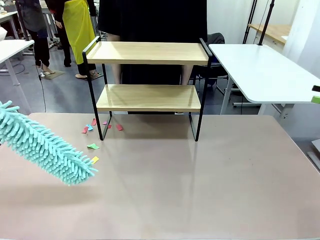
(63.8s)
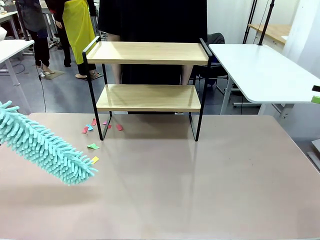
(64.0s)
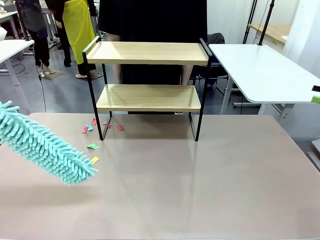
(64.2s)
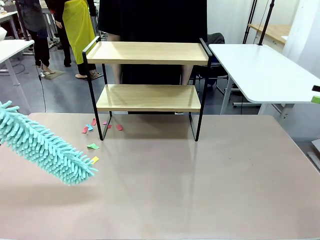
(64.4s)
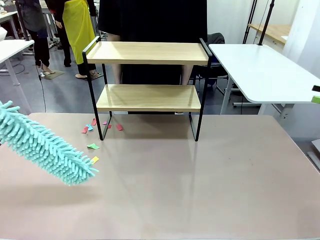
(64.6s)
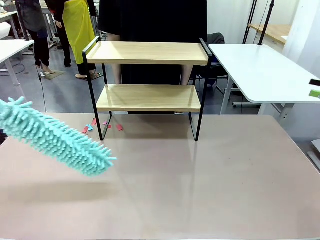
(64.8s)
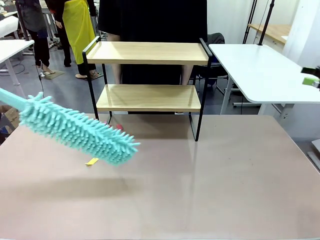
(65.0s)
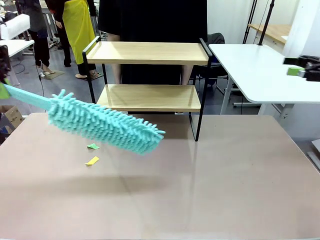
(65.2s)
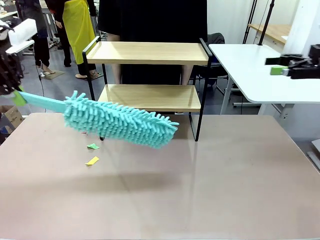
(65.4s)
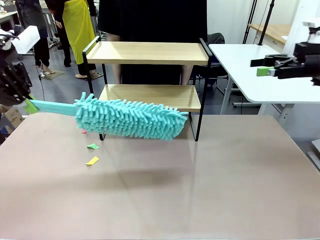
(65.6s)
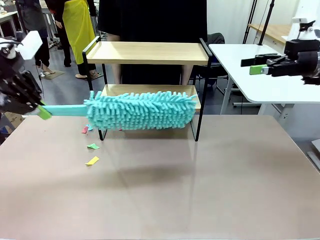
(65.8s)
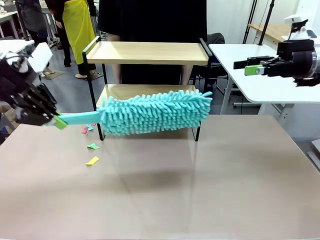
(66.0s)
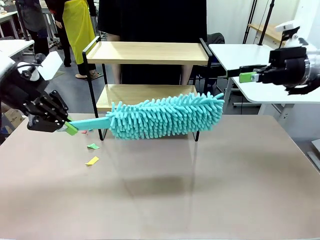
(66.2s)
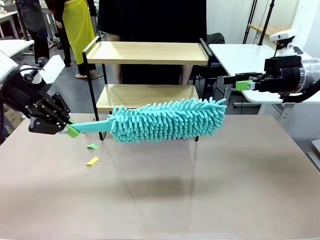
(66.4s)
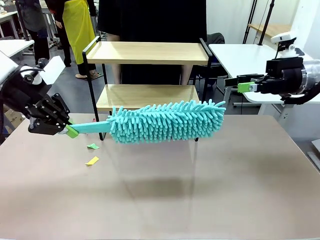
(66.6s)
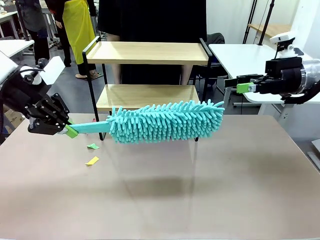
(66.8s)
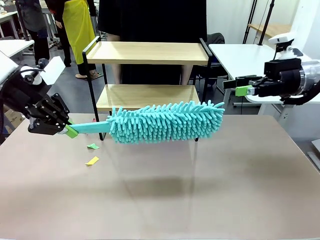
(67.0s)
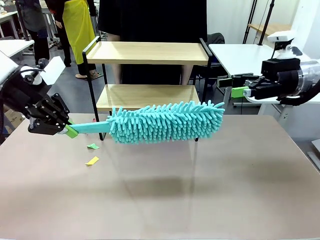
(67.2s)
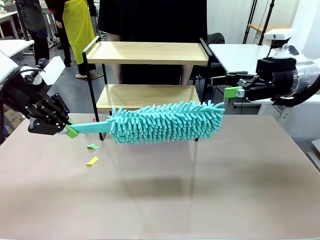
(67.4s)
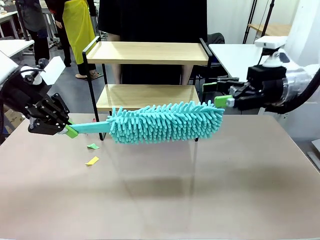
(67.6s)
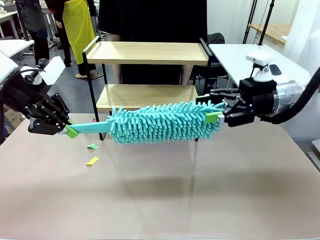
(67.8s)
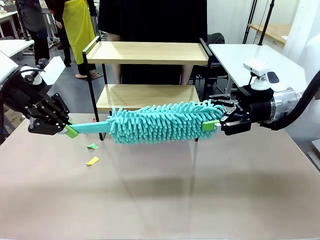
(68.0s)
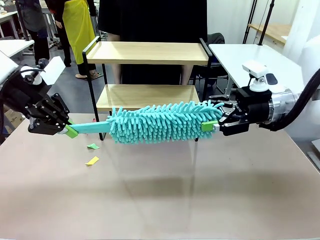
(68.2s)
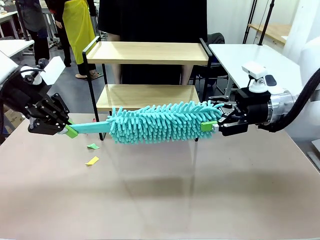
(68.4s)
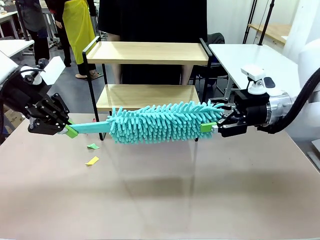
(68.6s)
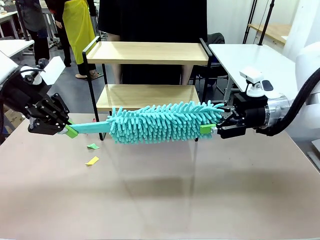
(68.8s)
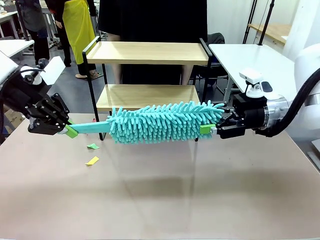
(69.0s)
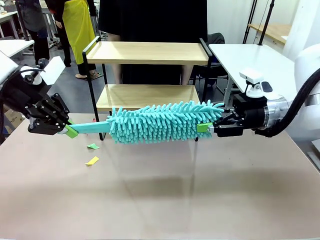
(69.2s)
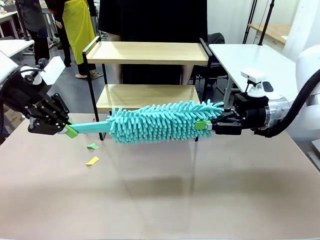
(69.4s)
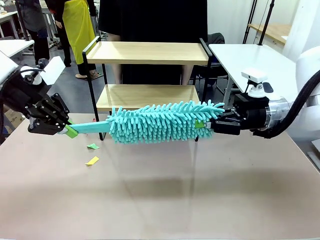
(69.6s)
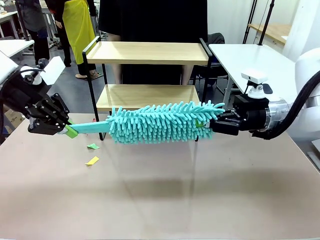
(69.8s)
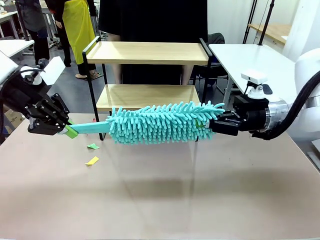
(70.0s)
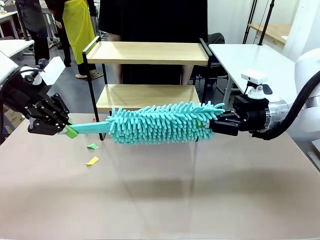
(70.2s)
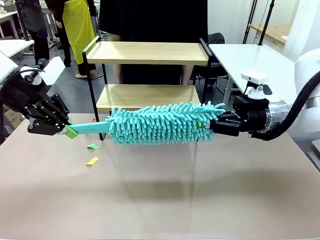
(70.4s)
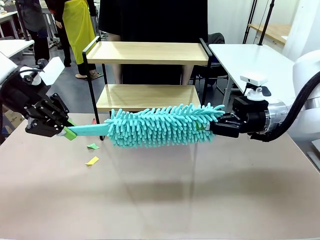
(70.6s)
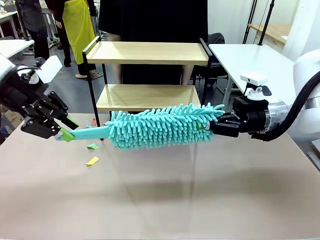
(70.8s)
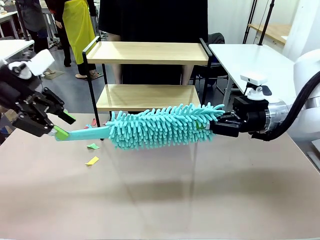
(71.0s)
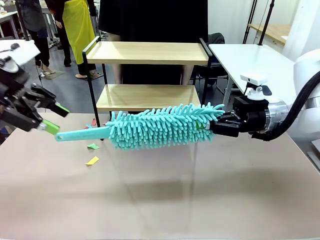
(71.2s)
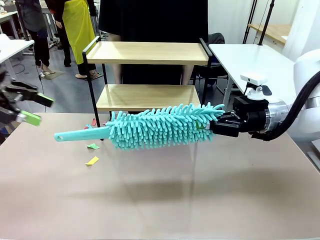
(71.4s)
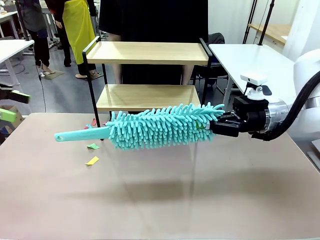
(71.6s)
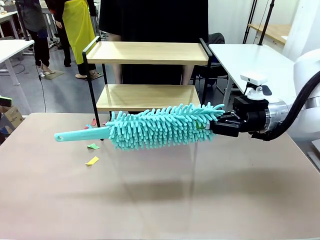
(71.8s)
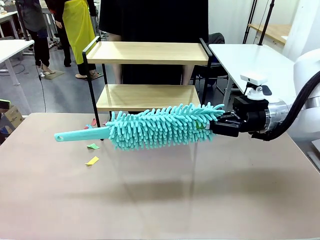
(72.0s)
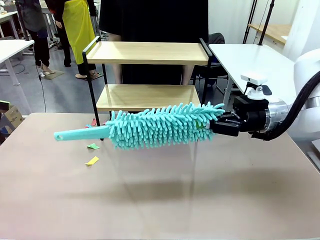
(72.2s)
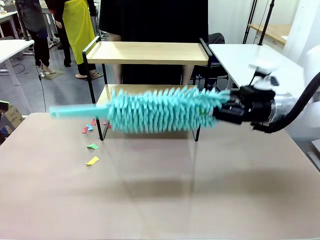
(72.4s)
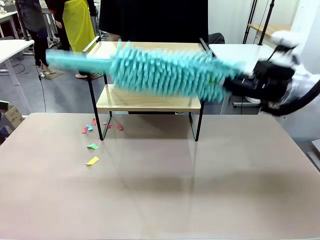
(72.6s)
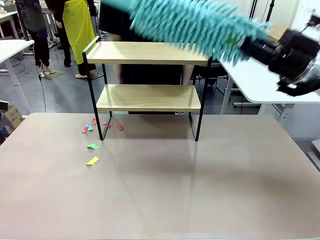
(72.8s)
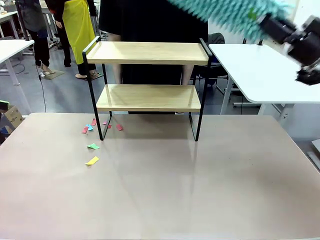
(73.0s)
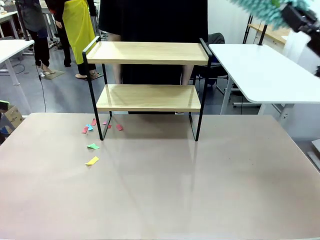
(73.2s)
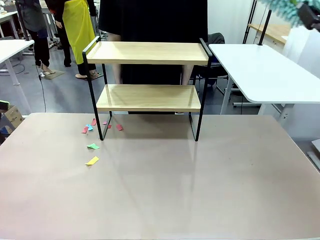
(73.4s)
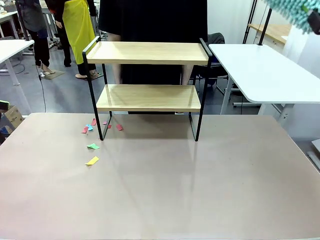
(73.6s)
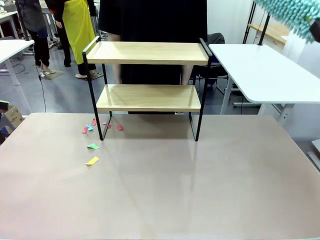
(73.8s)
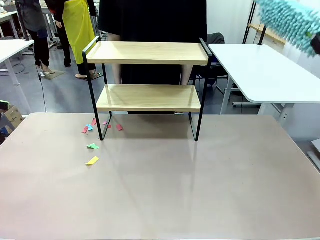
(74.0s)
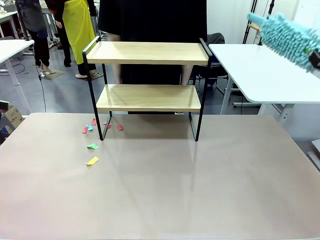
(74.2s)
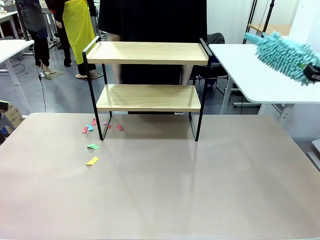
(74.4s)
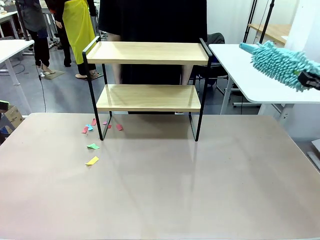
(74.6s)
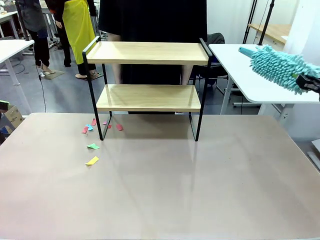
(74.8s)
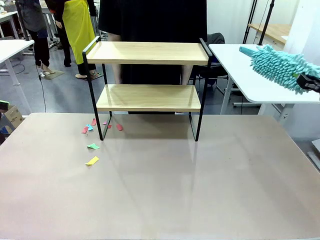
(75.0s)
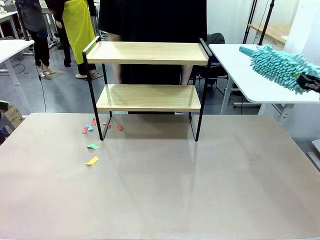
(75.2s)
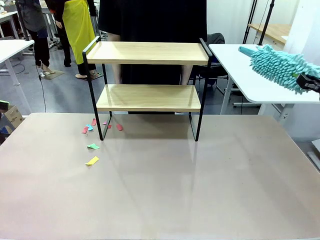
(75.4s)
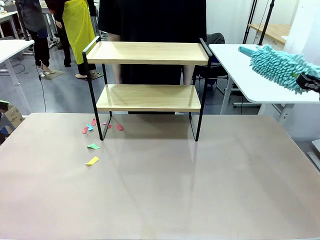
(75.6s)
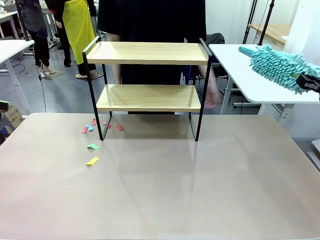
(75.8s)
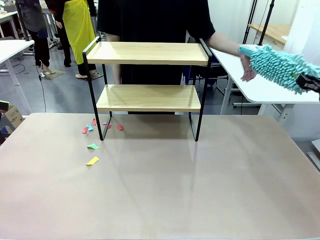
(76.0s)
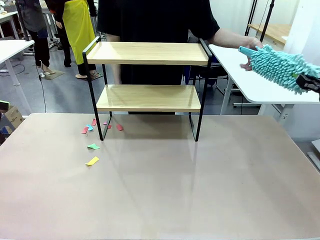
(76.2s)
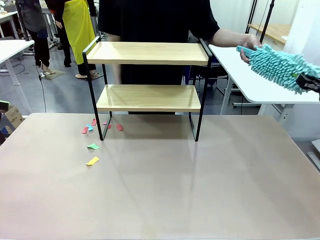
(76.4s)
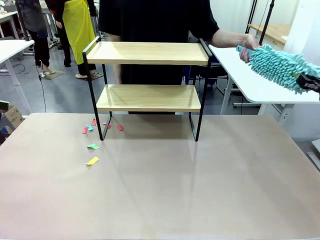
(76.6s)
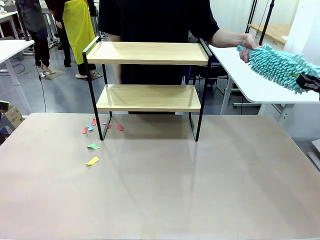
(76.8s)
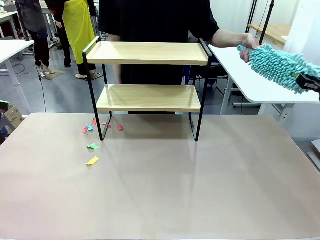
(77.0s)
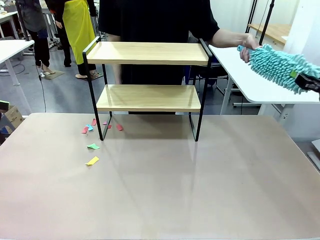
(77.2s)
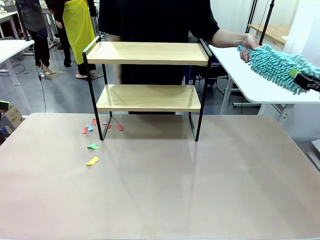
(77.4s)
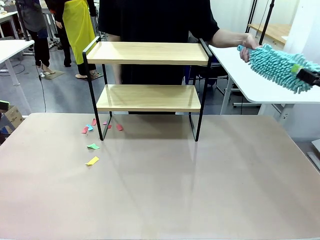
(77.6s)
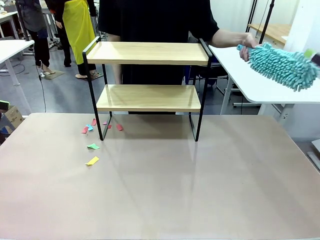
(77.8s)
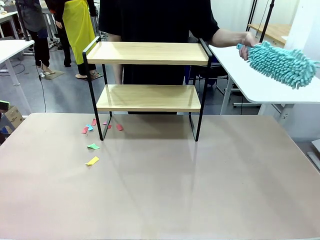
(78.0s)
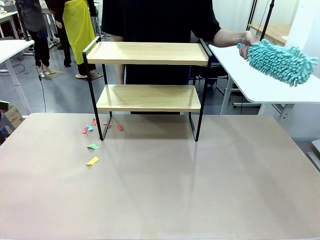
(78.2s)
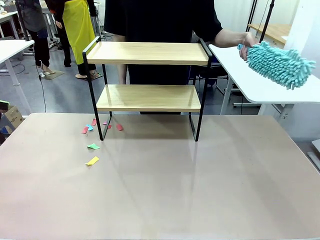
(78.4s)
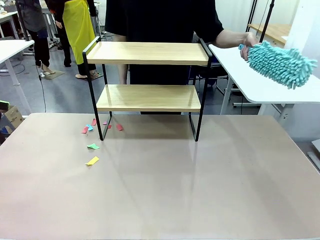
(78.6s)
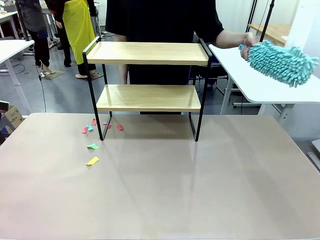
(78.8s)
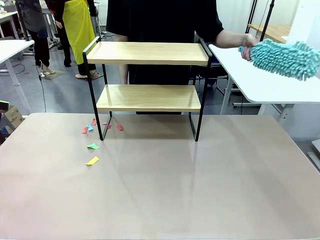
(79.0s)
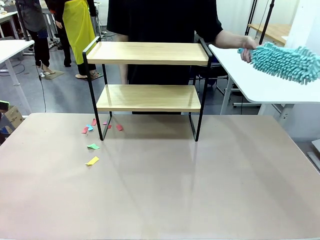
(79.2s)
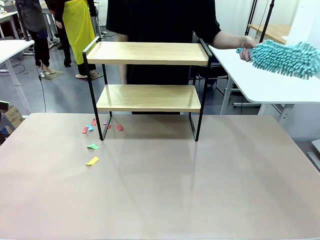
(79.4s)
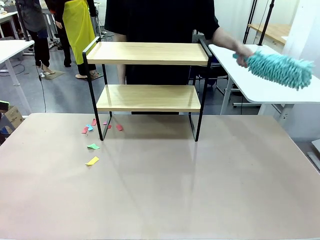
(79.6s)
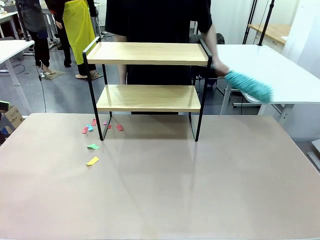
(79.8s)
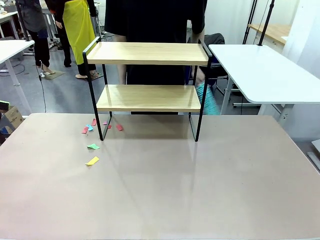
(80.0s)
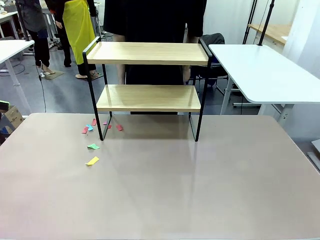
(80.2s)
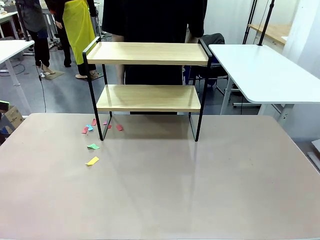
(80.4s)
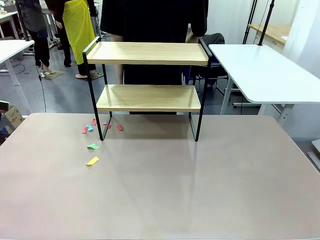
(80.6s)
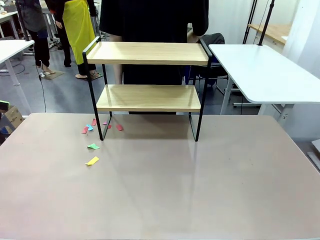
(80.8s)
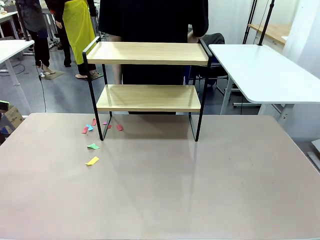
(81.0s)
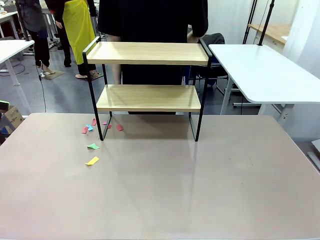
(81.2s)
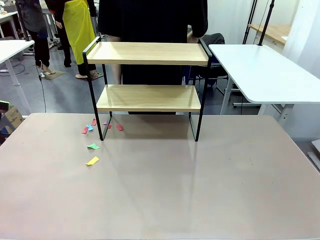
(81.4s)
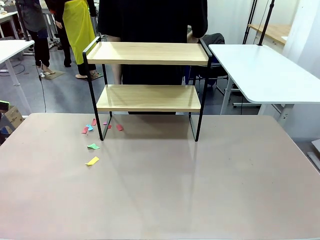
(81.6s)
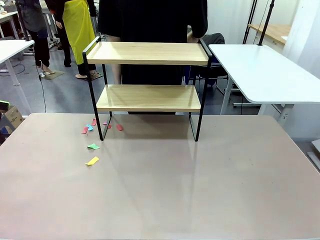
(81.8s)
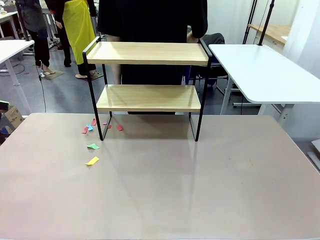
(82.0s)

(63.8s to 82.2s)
Task: Clean the shelf.
Robot: Hand the Duster back to the human.
Person: Receive the Duster from the robot.
